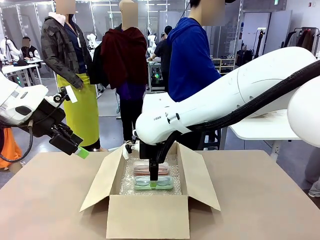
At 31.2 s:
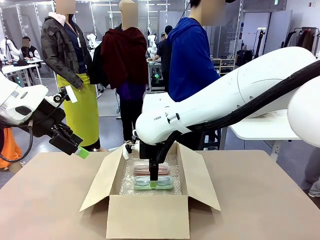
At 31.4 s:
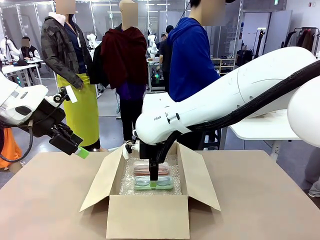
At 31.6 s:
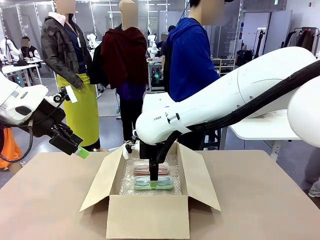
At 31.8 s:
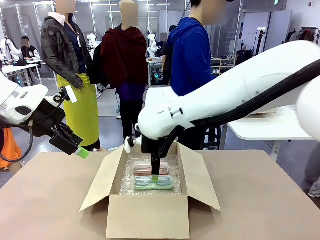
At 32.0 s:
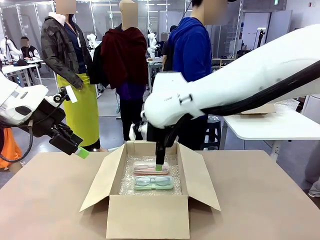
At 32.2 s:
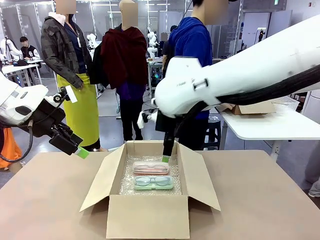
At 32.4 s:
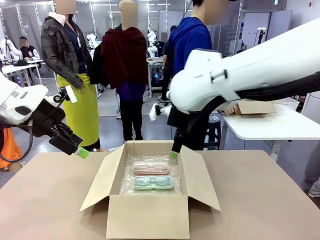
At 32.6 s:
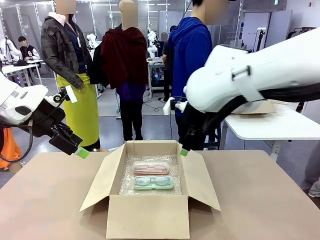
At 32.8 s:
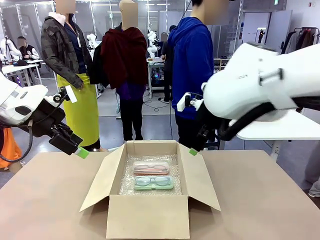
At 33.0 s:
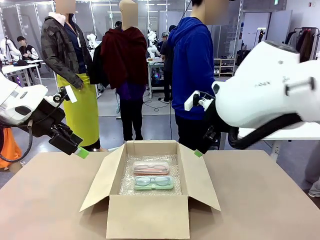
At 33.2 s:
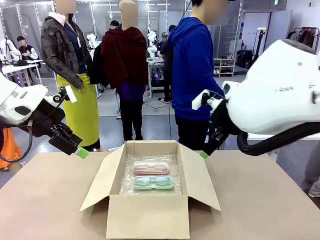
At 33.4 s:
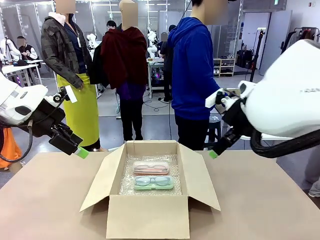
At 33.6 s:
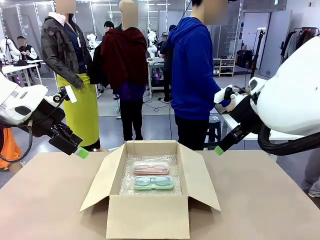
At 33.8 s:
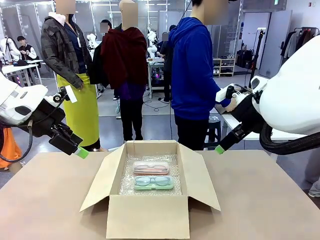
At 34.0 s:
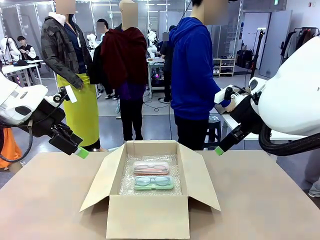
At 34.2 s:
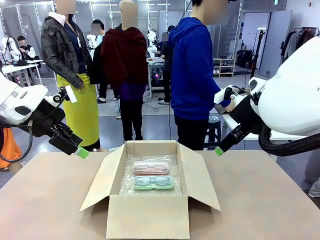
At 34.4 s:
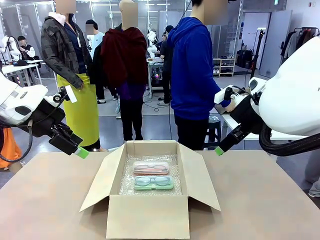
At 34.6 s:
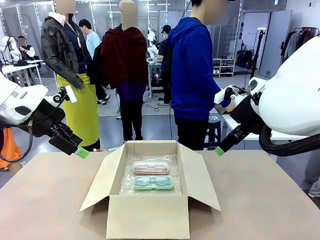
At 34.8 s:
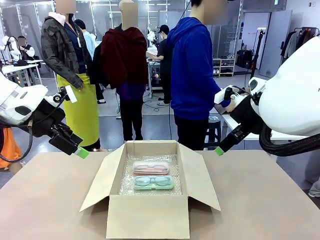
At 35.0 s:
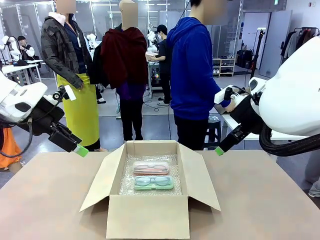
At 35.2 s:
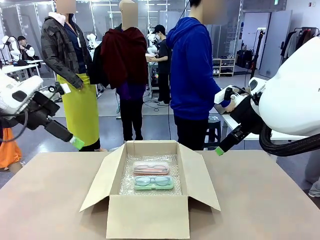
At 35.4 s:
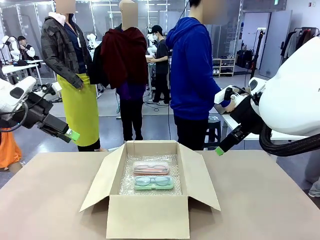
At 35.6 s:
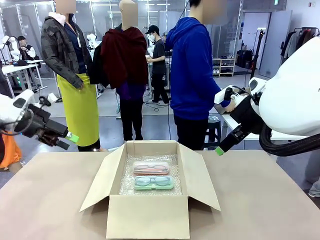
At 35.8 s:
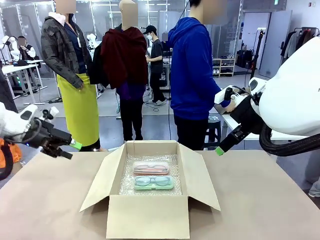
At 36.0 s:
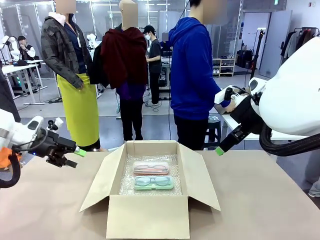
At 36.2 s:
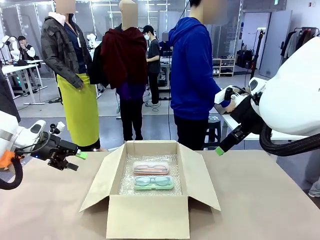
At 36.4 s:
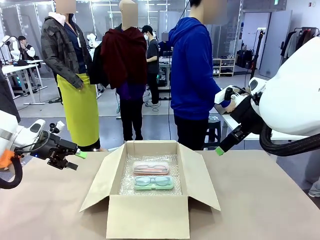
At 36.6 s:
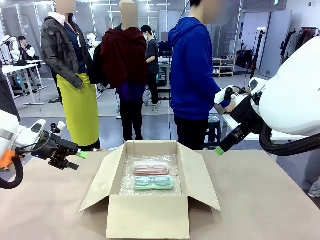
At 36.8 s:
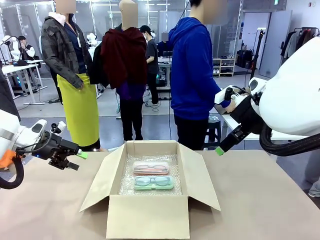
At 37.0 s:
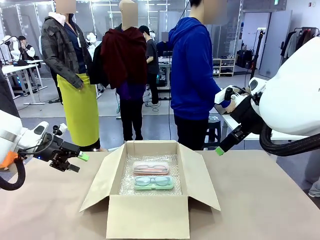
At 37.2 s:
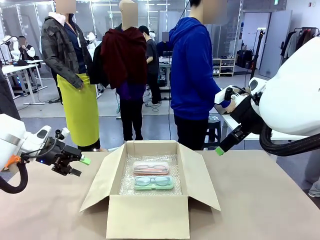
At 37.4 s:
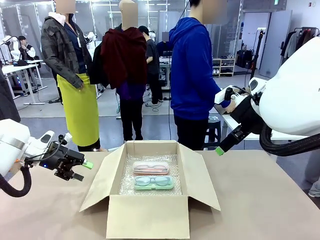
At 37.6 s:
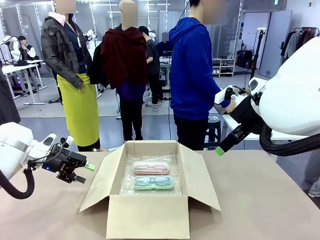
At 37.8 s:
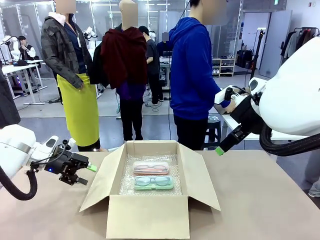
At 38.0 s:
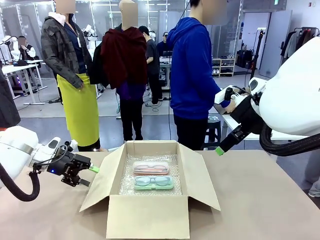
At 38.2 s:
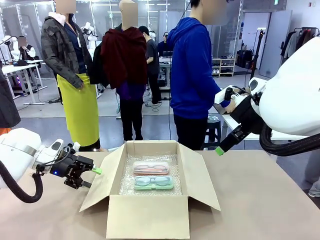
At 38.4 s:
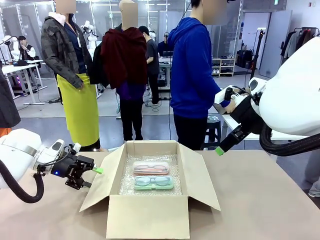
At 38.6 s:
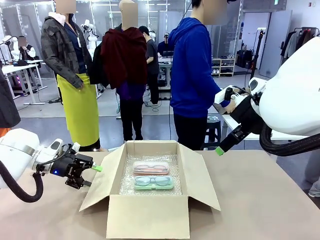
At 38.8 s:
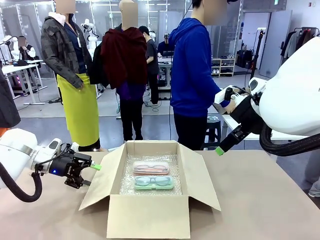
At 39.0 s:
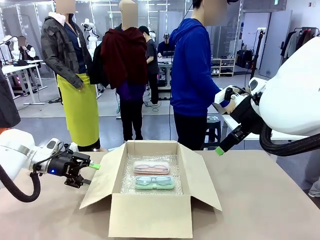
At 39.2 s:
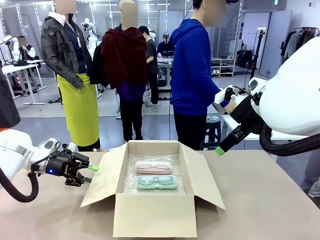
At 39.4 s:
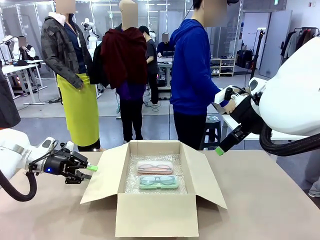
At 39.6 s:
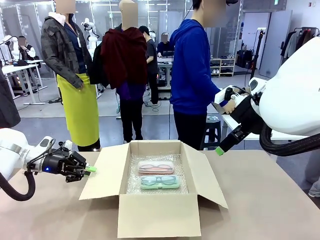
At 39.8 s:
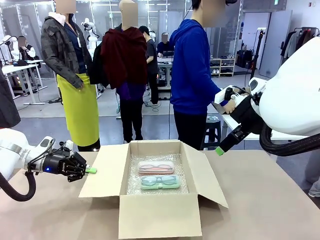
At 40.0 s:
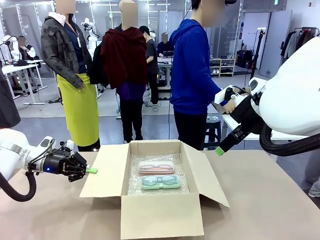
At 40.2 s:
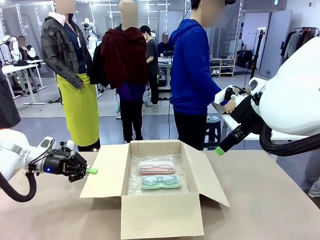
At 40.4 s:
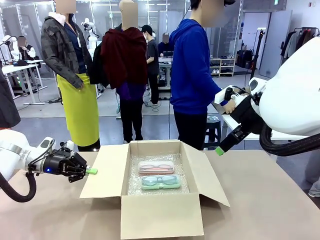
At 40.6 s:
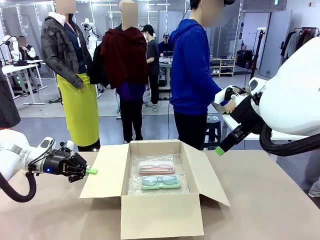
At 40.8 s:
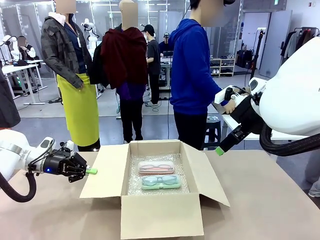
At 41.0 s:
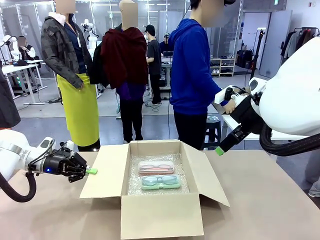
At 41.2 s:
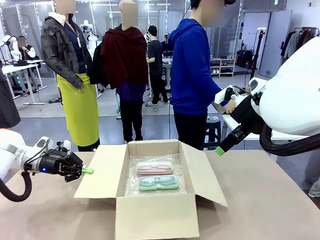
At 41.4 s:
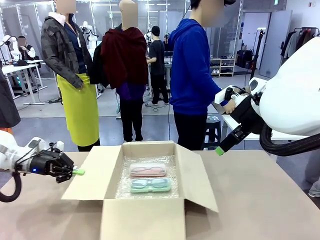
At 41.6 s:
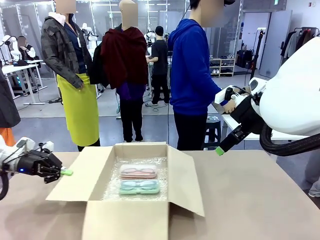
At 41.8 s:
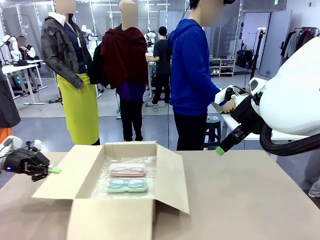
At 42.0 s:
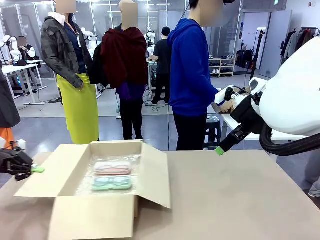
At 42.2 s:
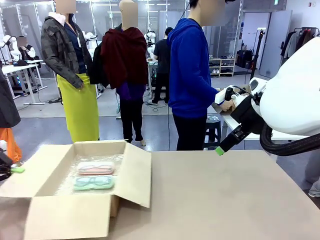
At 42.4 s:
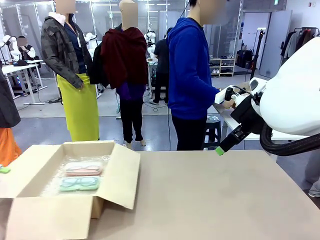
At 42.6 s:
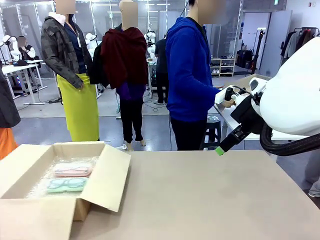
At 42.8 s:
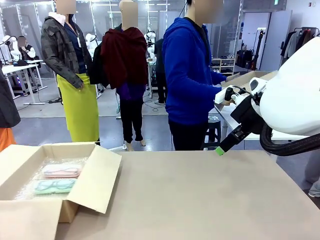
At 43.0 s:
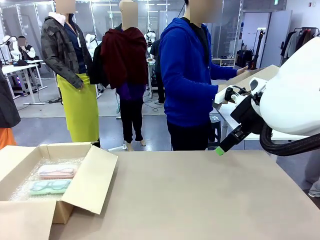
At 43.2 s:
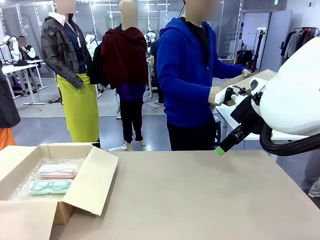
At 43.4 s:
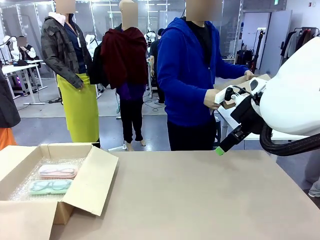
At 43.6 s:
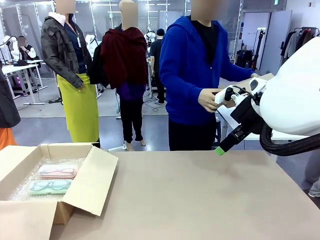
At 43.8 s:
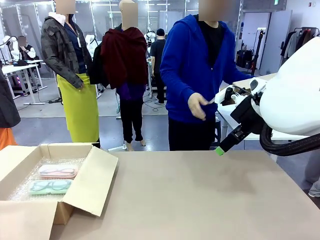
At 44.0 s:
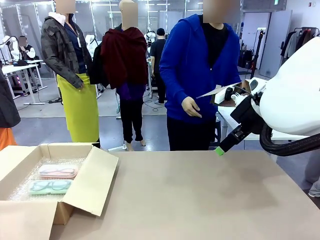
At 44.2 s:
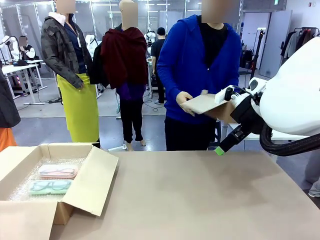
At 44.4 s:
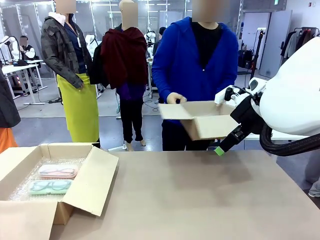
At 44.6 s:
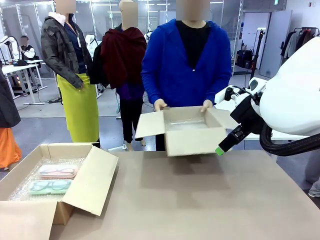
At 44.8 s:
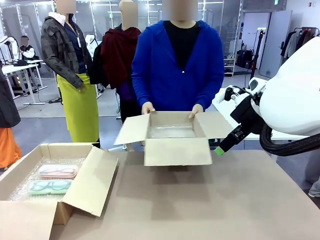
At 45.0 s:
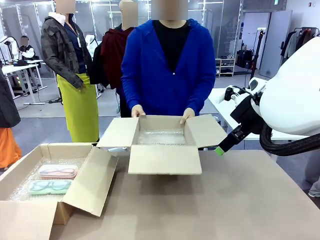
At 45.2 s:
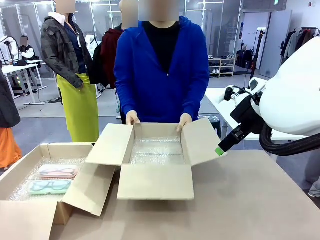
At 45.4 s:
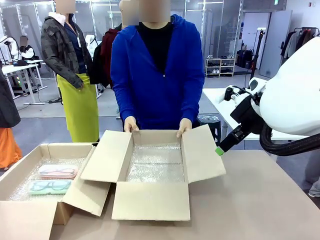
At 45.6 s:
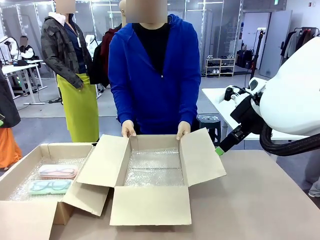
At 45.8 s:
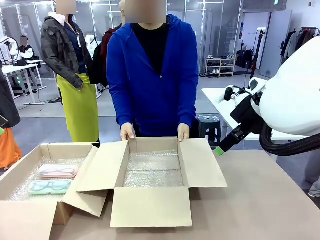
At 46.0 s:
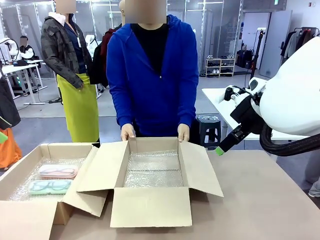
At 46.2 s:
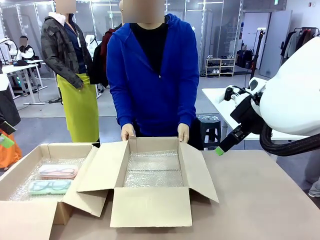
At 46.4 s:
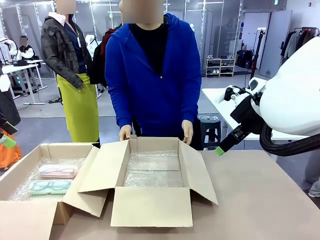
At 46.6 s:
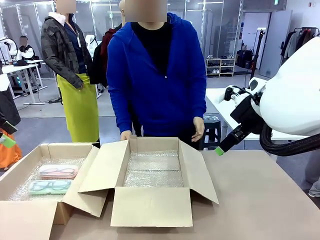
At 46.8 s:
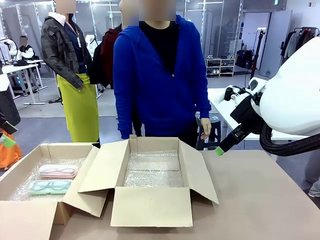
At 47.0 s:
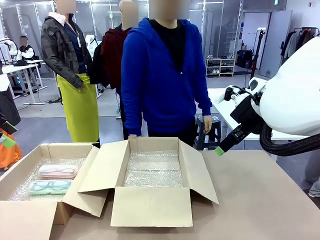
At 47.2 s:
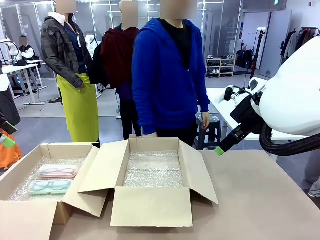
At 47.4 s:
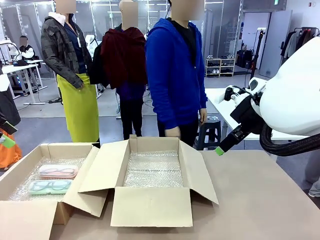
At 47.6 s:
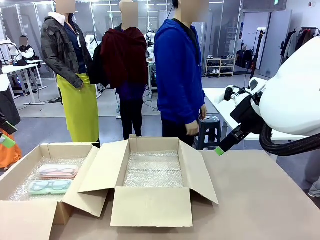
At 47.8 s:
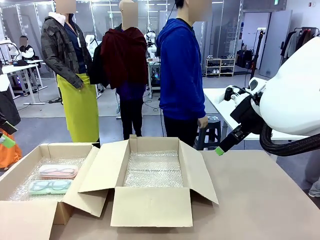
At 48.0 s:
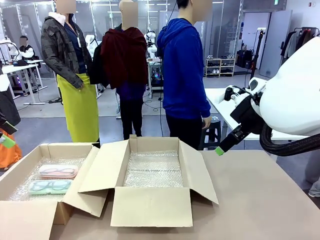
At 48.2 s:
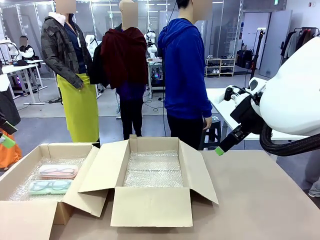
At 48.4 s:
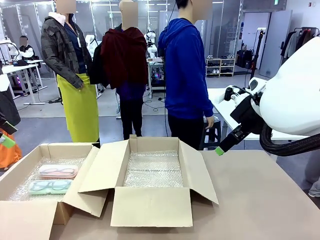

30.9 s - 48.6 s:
Task: Pack the glasses set securely to prepare it for shipping.
Robot: Position the Package Box on the left side of the table.
Person: Position the empty Package Box in the middle of the robot's table.
